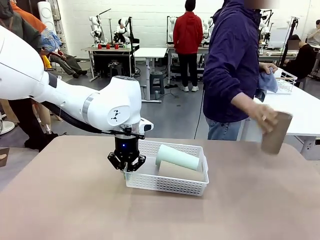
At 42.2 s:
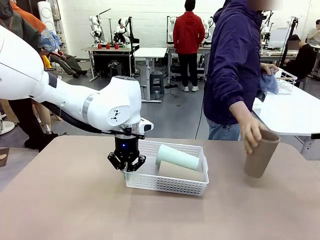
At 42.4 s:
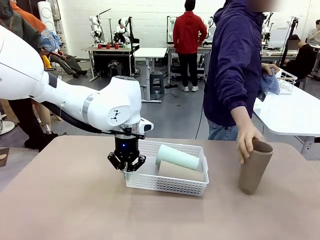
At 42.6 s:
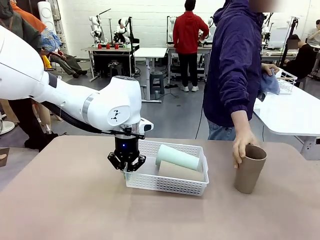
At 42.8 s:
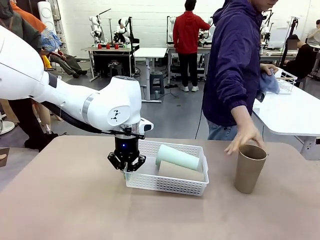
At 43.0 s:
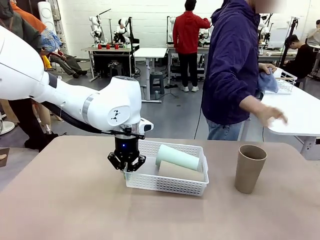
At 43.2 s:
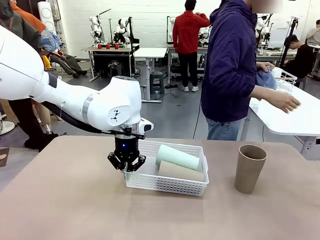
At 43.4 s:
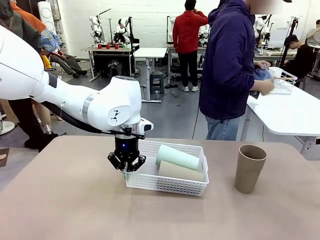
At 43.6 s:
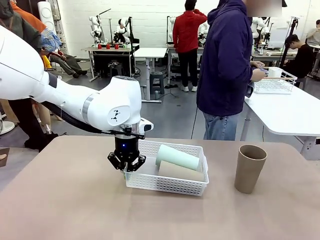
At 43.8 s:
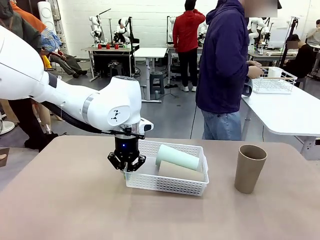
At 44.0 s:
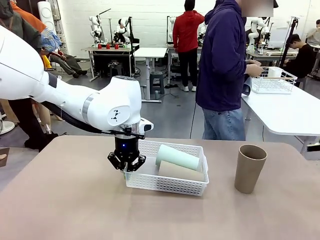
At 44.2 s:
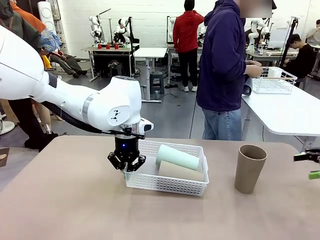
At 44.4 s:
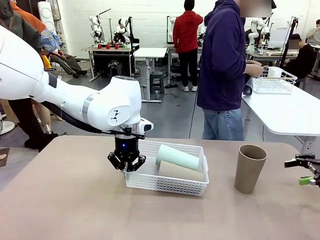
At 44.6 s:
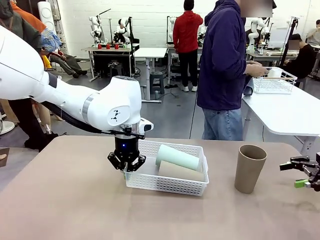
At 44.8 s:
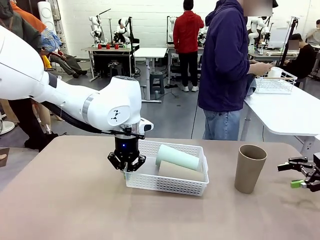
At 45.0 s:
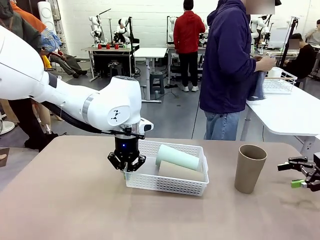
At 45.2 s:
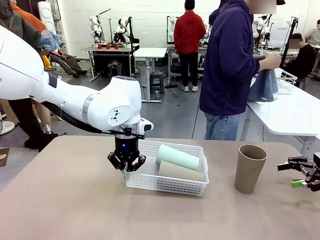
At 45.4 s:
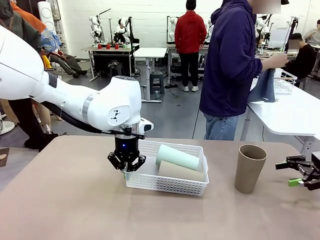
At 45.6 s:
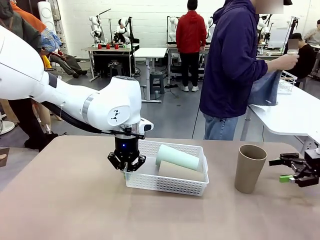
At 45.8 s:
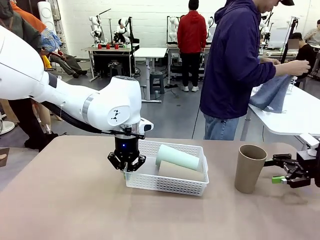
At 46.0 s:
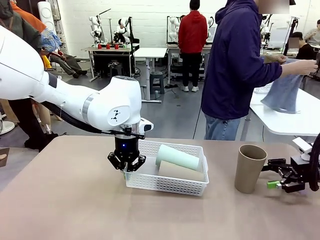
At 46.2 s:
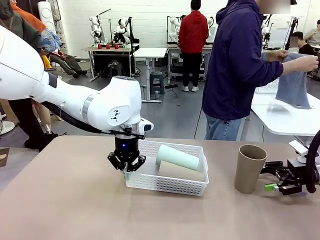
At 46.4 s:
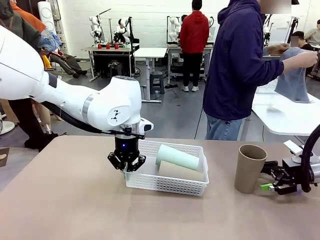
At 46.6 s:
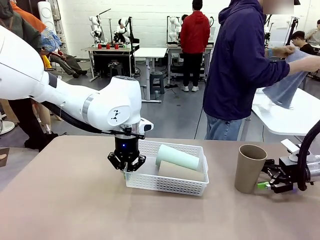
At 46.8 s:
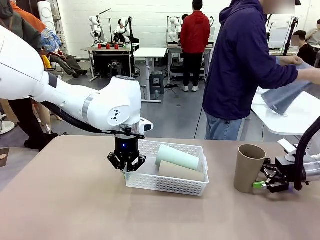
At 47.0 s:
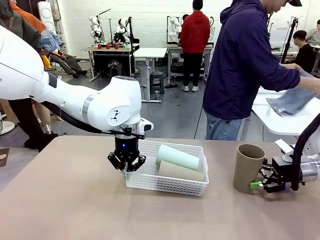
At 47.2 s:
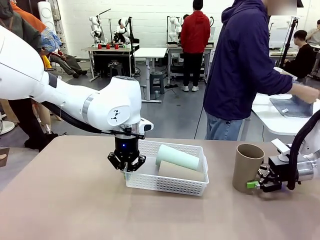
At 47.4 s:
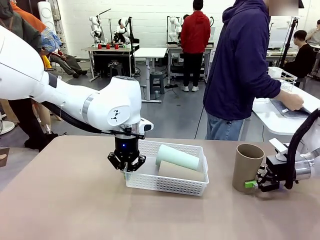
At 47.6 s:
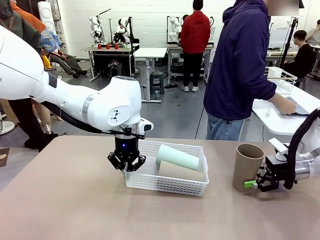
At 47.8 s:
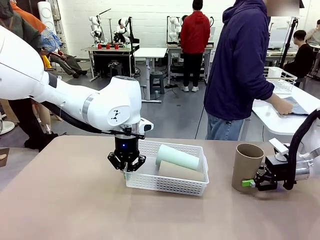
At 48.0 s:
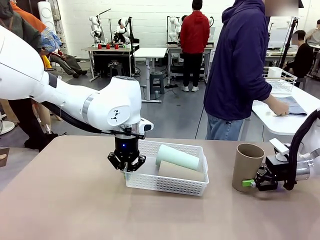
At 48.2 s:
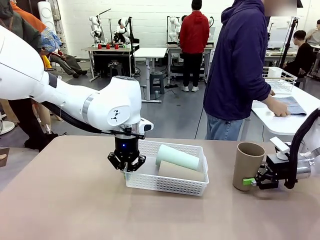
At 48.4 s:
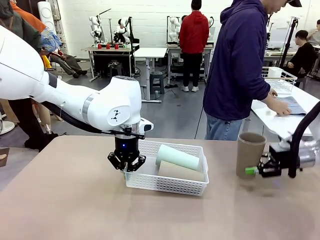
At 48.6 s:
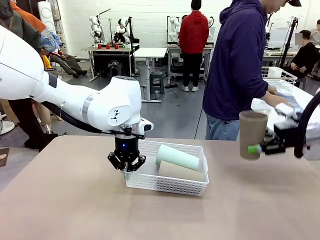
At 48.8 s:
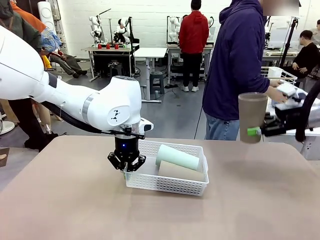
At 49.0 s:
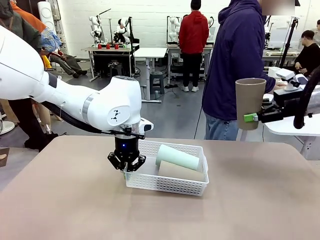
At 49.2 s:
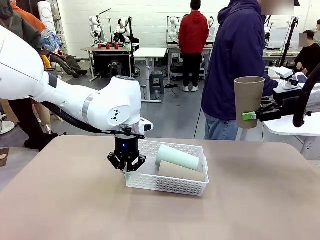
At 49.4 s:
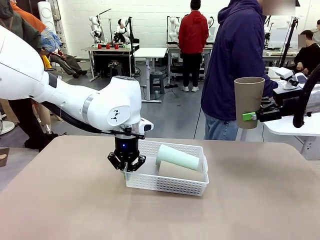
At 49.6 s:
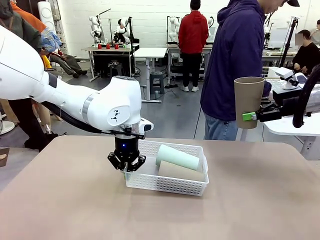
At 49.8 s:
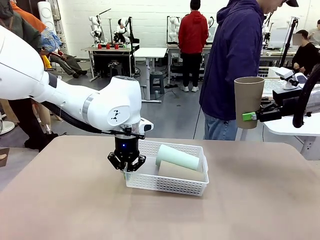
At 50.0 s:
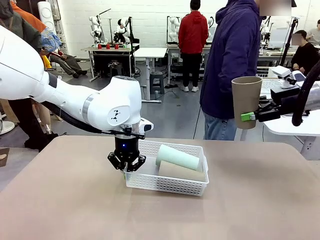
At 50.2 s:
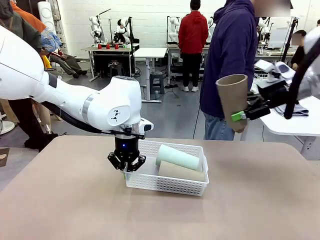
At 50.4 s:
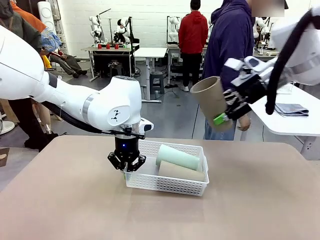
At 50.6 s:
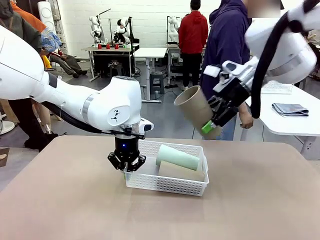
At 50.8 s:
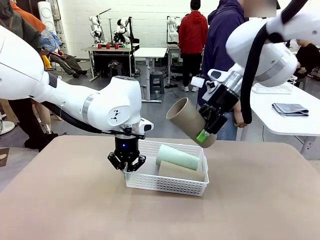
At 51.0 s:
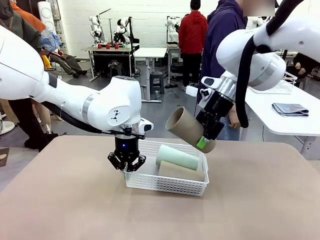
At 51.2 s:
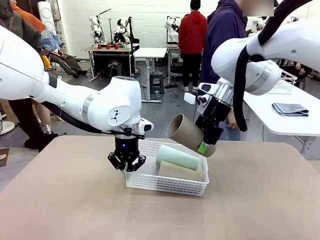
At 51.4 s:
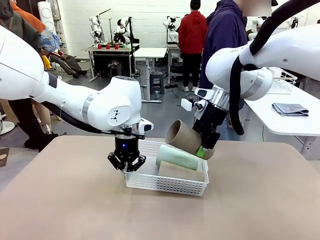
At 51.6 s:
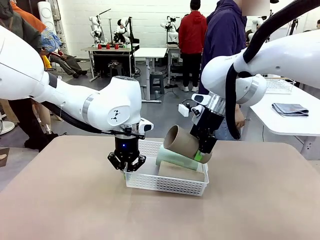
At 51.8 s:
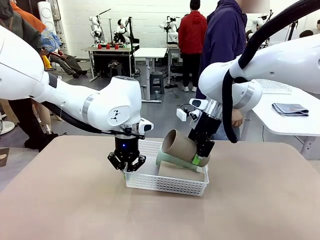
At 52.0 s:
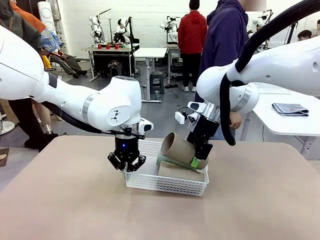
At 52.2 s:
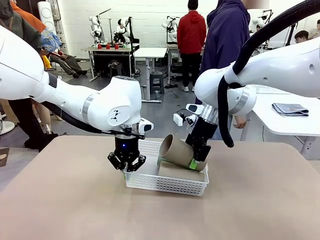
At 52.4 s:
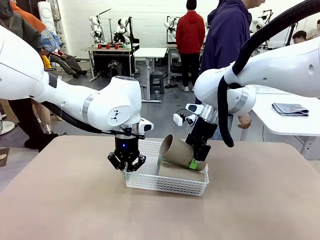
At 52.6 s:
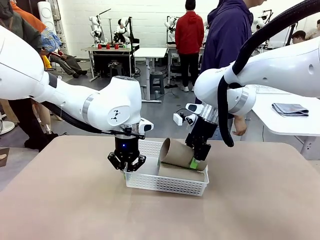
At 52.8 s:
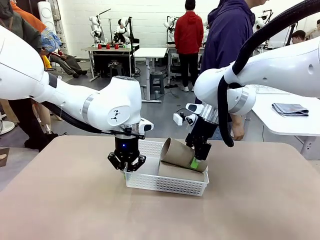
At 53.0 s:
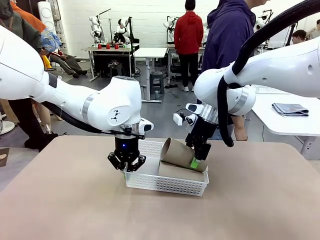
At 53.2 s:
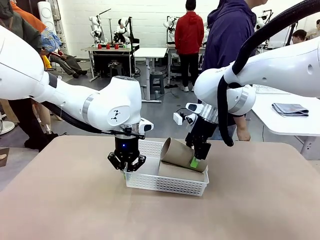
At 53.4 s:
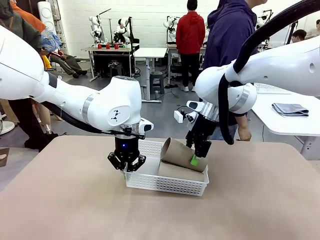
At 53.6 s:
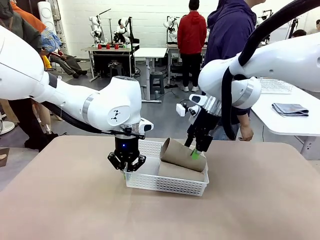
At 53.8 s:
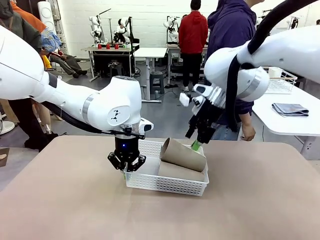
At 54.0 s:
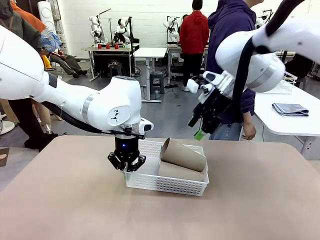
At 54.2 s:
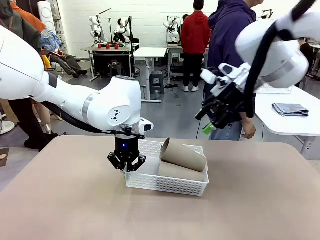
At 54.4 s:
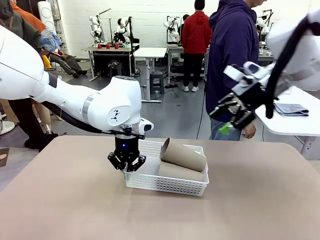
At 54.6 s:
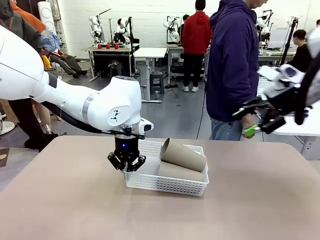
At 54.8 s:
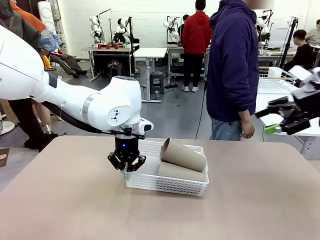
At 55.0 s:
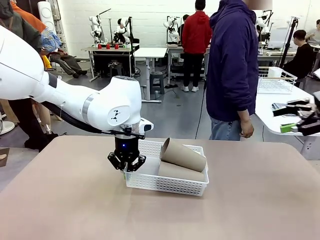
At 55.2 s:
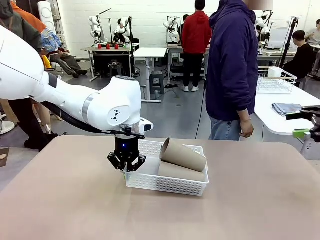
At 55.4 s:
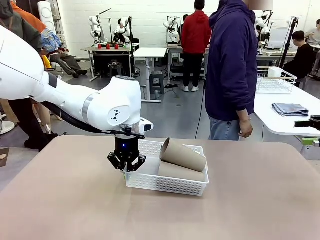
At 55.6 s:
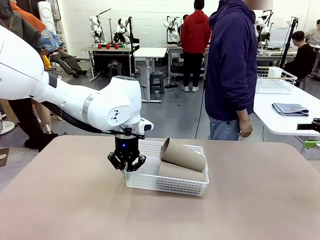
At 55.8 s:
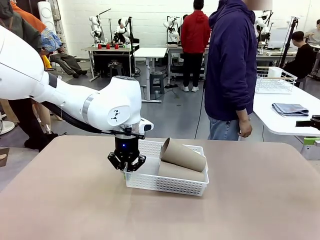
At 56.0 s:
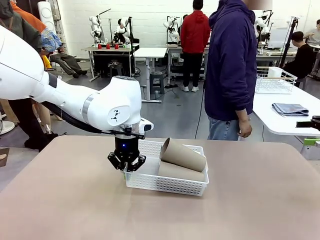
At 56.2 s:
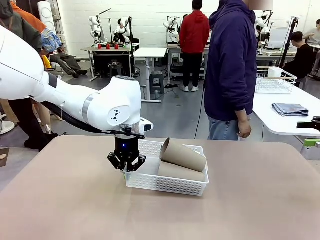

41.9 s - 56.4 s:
Task: Clean and organize the cups into the basket.
Robot: Pick up the Reusable plastic cup from the right side of the table and stack it inside the Organizing basket in the center of the table.

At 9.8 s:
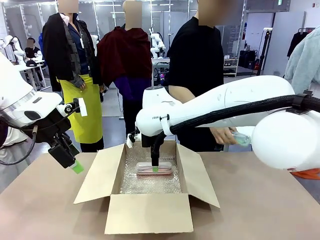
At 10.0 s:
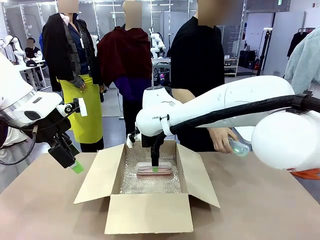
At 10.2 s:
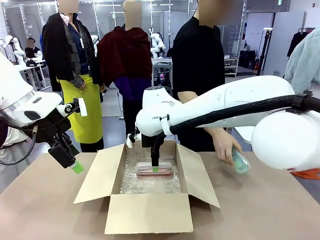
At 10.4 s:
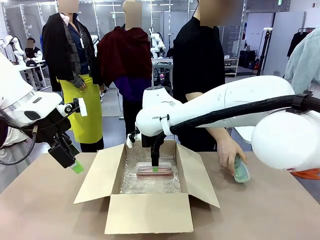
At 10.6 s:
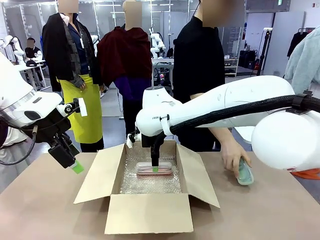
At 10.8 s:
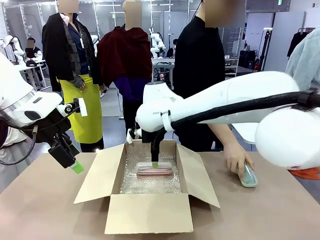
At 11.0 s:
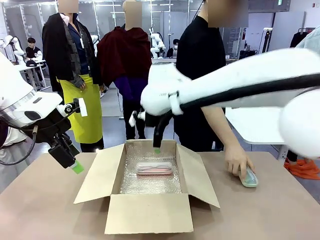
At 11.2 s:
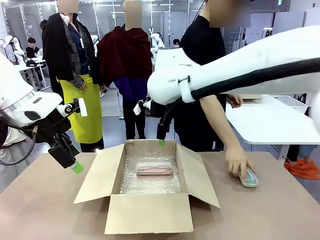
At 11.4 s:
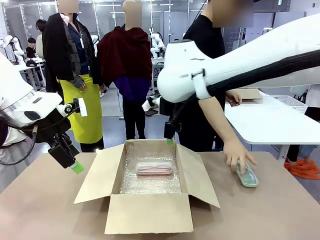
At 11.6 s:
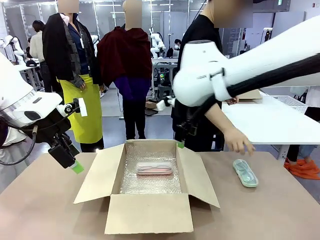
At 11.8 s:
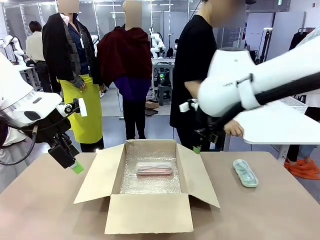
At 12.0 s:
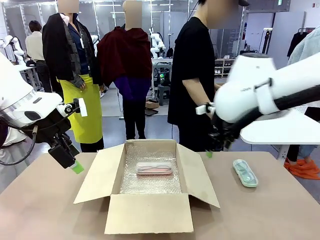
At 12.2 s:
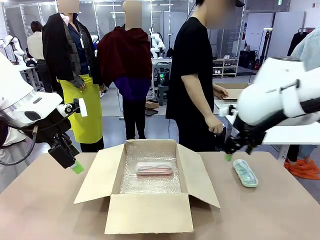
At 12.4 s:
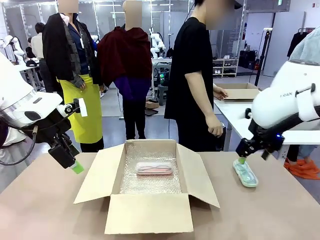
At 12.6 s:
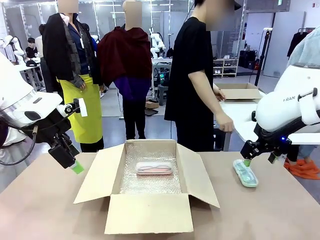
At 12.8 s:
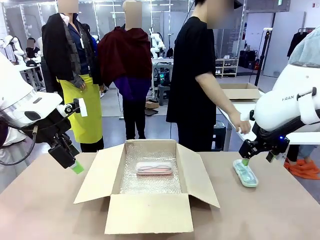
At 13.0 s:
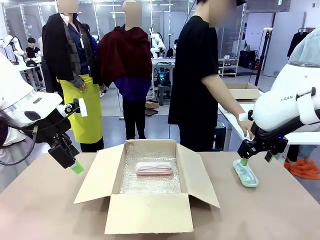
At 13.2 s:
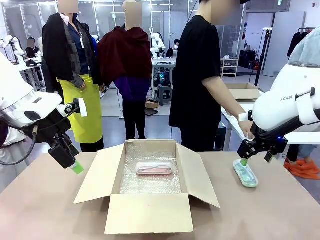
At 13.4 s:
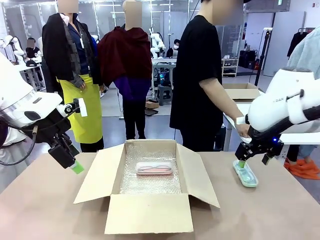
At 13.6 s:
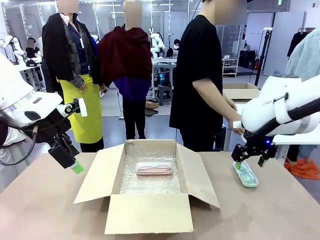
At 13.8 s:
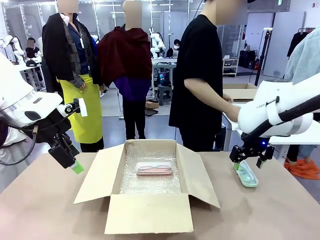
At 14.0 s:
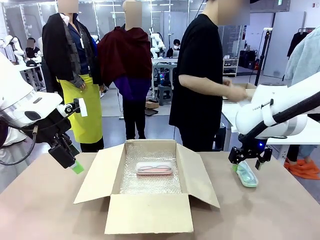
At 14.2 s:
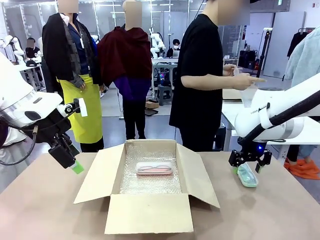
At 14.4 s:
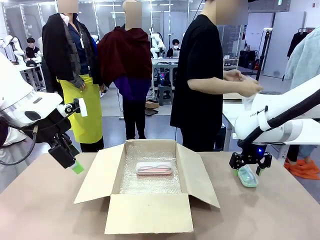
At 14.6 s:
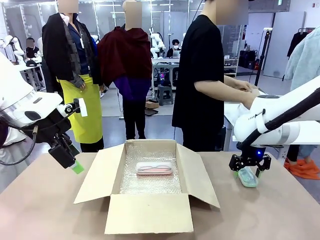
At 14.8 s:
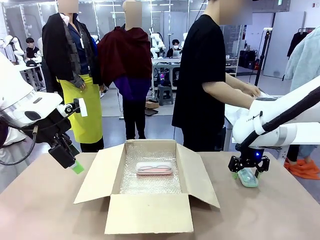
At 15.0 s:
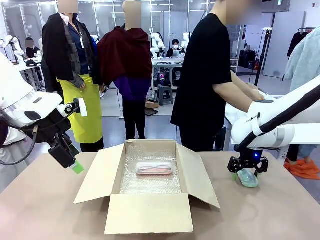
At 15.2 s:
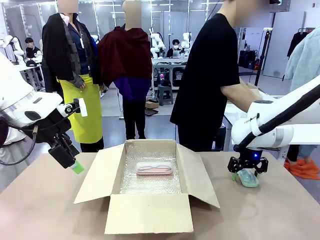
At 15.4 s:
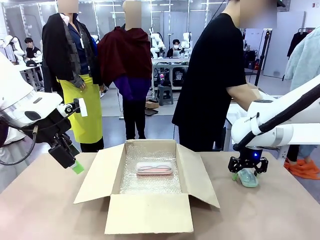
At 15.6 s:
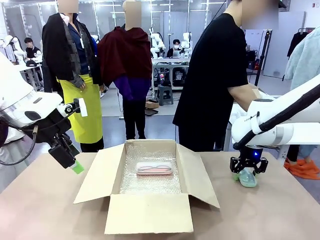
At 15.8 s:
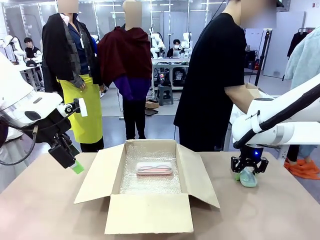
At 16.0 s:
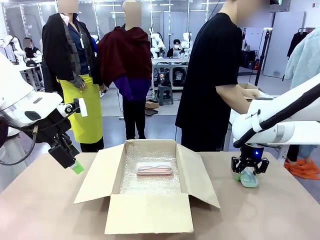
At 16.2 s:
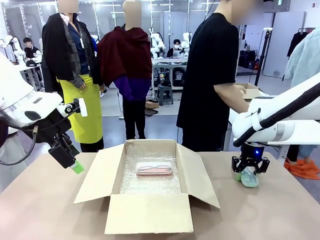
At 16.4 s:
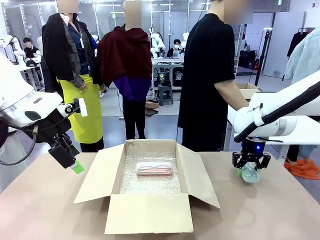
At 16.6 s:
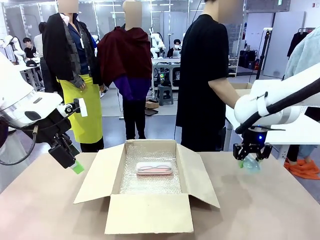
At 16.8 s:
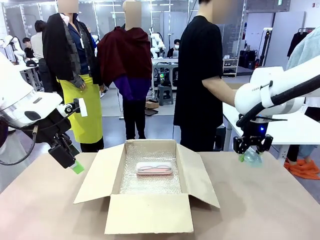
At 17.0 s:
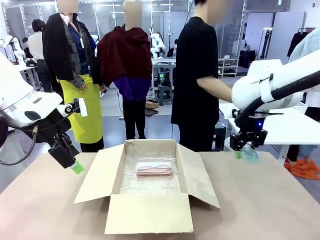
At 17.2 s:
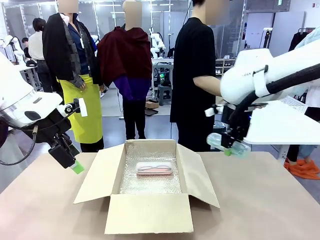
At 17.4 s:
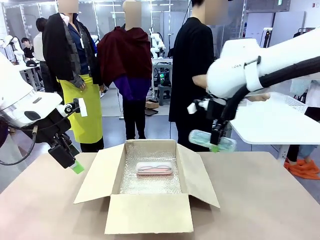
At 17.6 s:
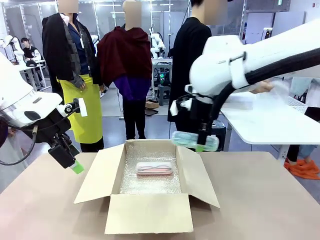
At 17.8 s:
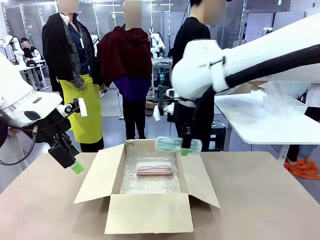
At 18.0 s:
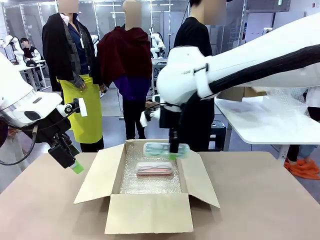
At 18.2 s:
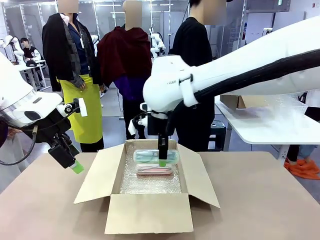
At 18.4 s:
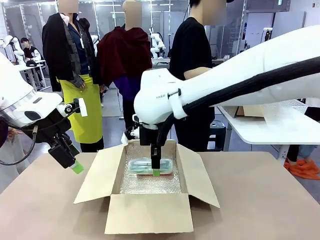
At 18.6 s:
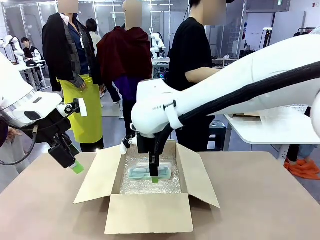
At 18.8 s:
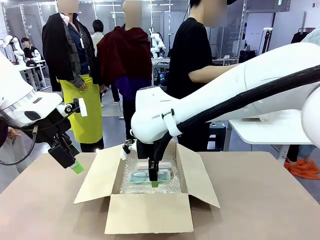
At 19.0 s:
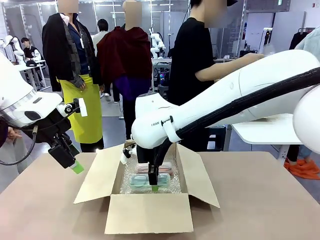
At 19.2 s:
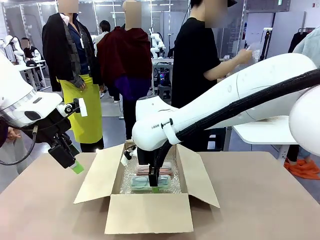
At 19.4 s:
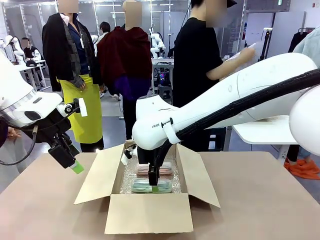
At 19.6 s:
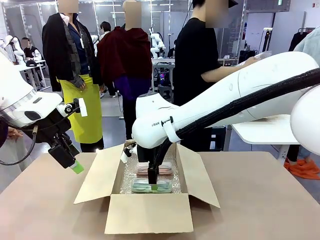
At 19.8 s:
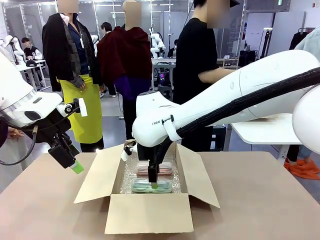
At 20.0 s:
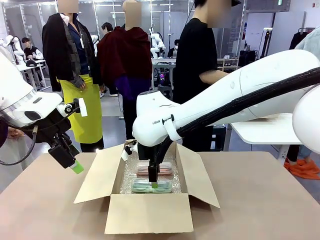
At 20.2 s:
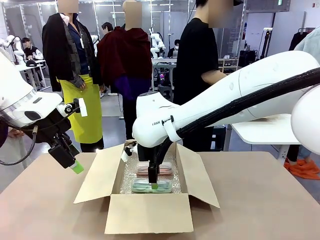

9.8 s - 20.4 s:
Task: Pack the glasses set securely to prepare it for shipping.
Robot: Put the Glasses case from the right side of the table into the Package Box.
